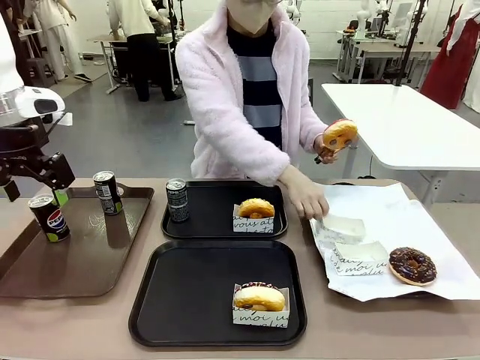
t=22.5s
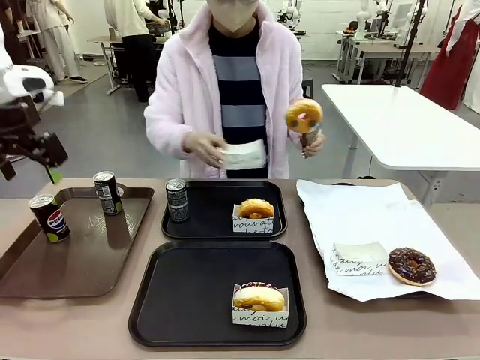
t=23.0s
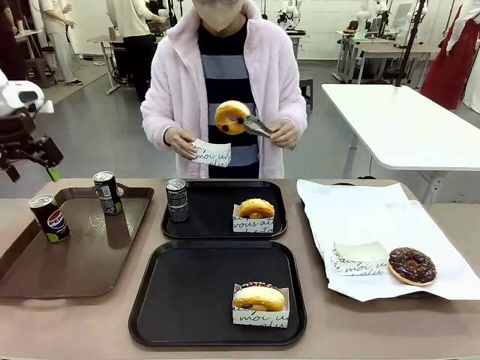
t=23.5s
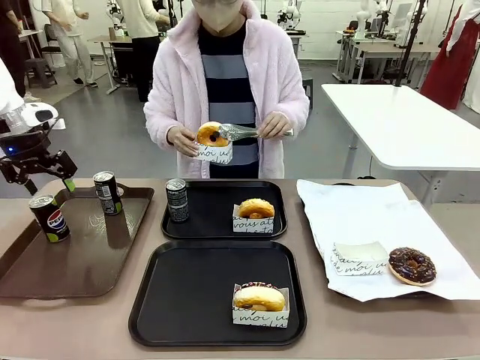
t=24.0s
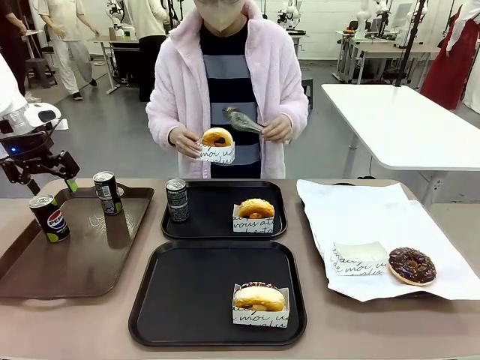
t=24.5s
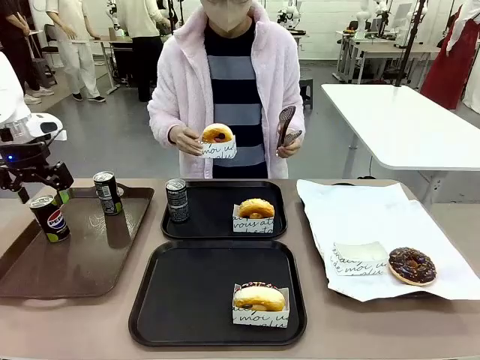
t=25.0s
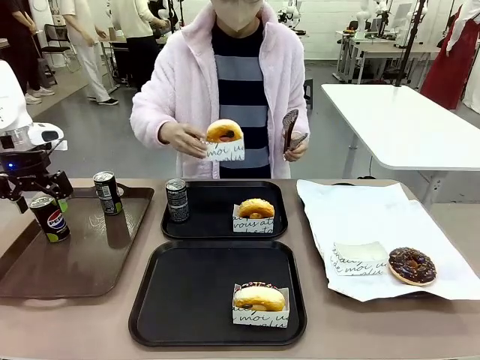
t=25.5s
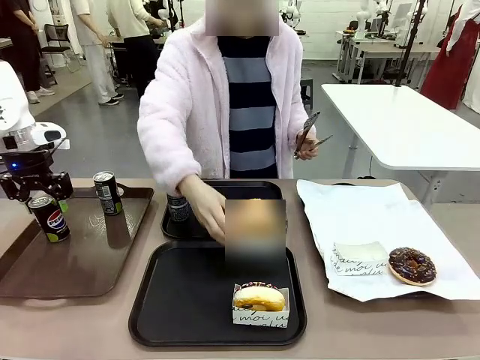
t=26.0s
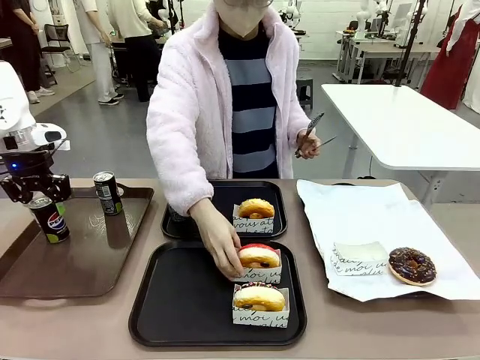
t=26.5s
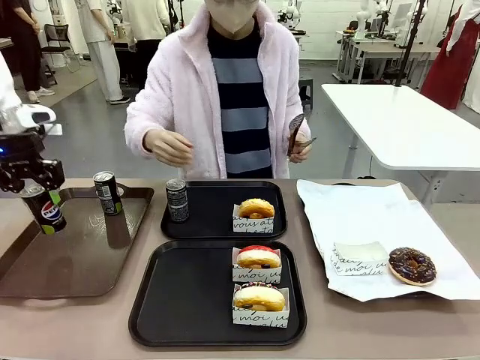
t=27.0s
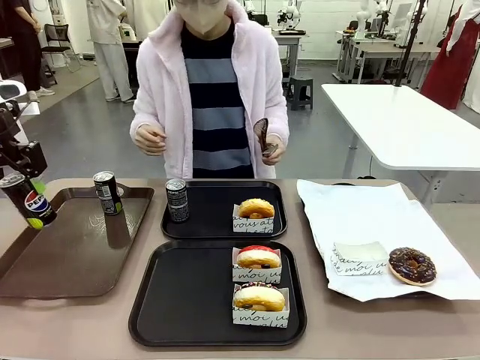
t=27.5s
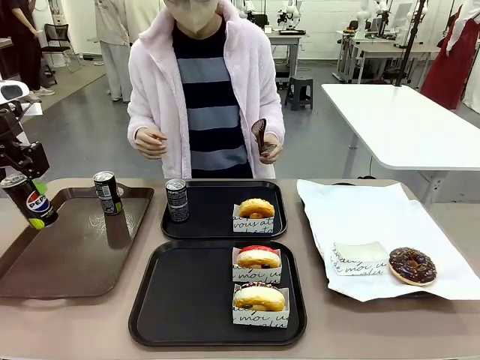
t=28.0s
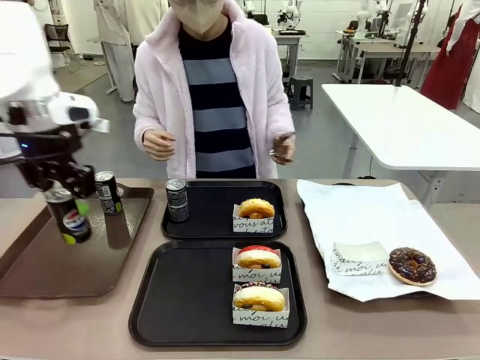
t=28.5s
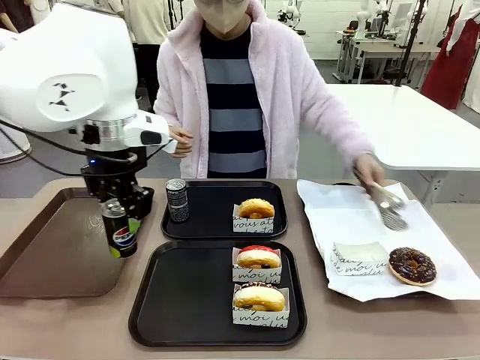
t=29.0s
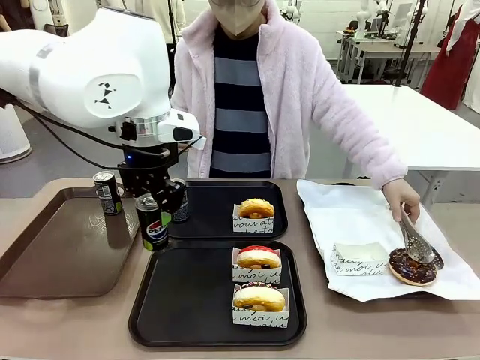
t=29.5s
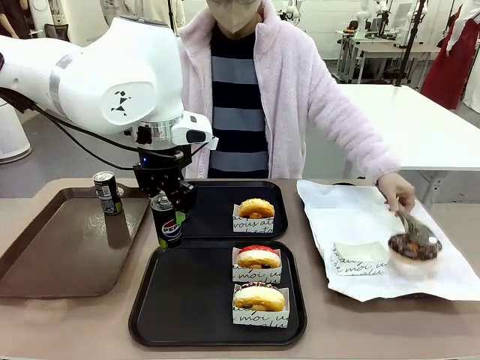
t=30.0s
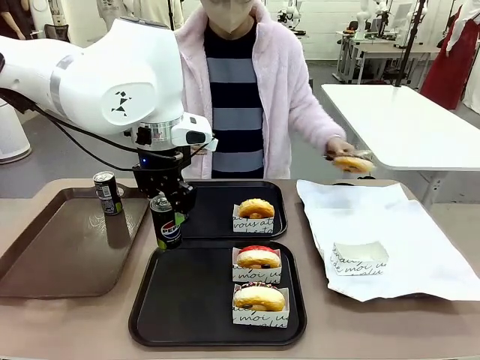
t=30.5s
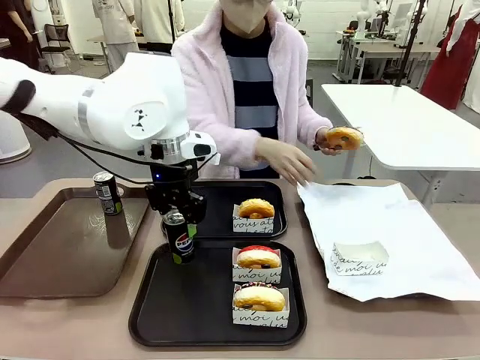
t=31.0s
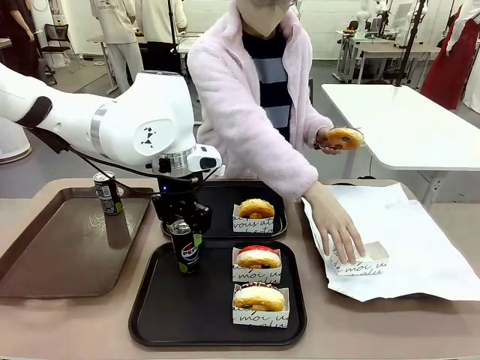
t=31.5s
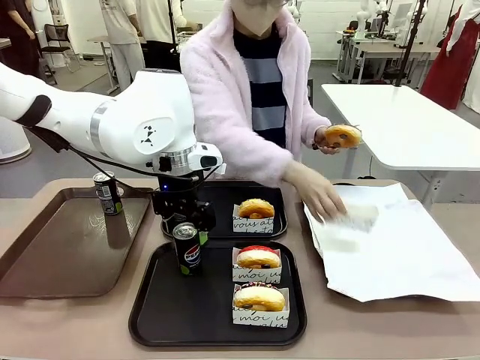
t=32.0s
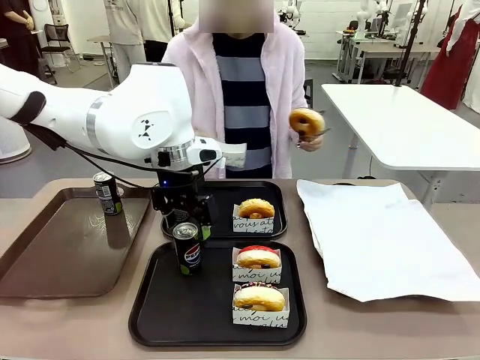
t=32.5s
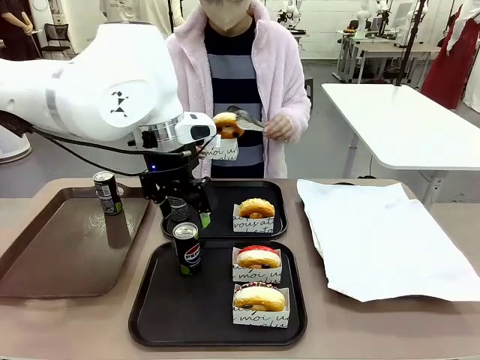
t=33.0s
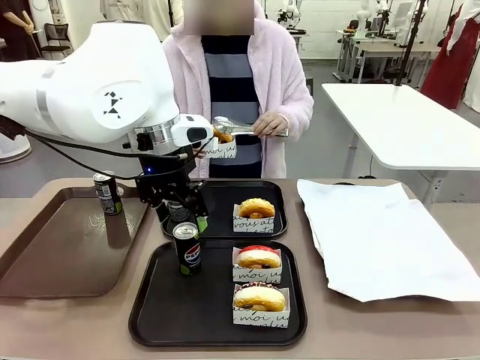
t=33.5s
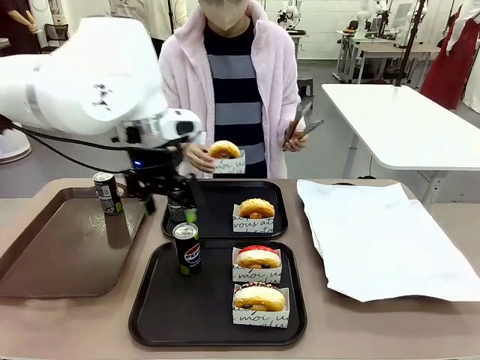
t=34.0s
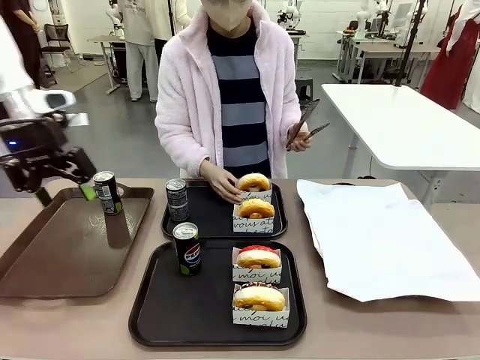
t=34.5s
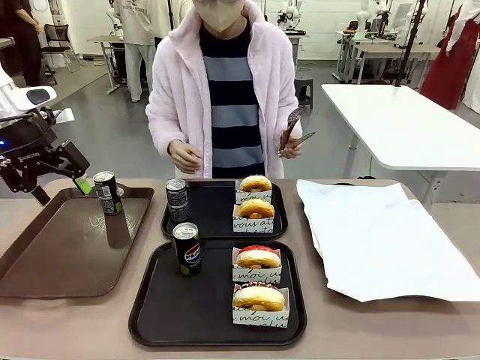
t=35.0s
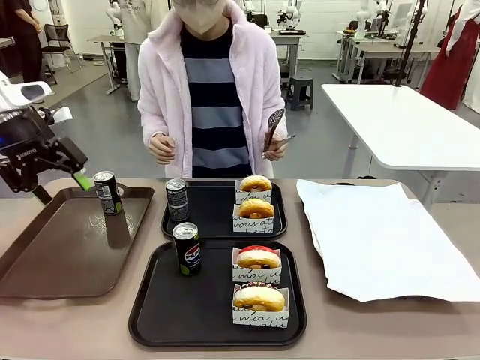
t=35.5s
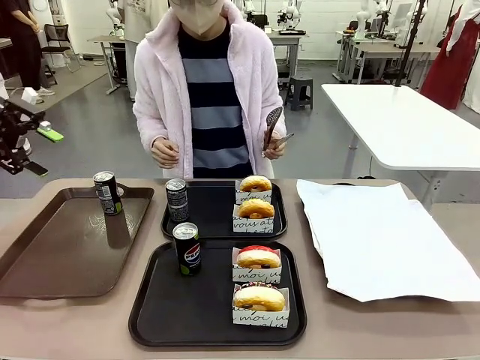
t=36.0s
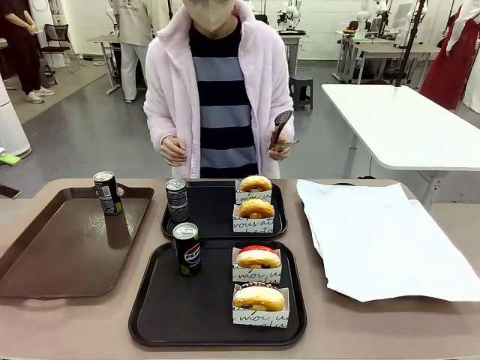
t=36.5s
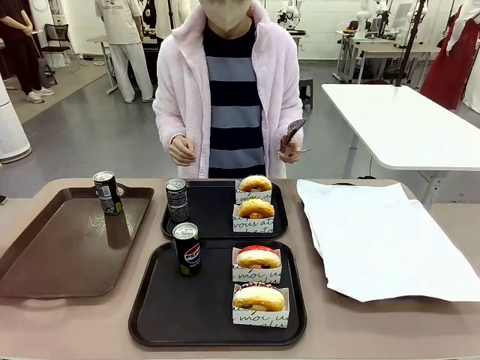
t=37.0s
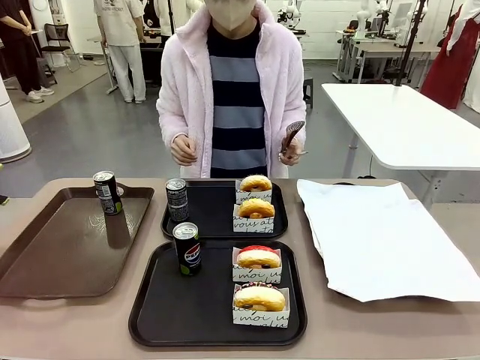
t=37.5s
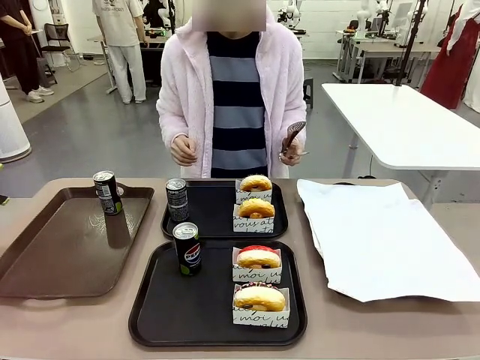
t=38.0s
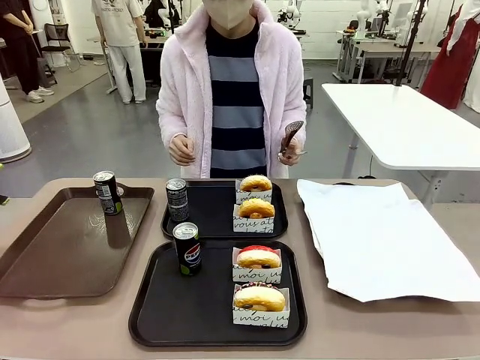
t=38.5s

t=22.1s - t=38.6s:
Task: Set up donuts and drinks on trays.
Robot: Pick up one Pepsi coke from the Handle tray and place it on the Flat Tray without a Pepsi coke.

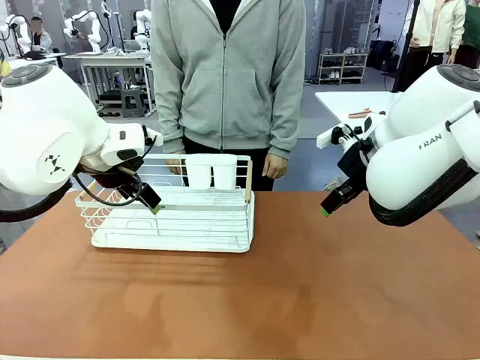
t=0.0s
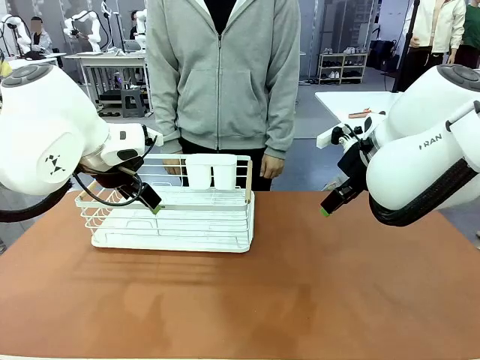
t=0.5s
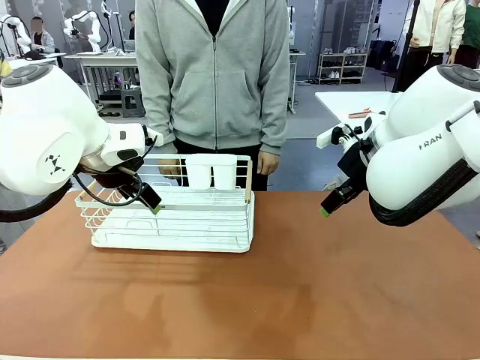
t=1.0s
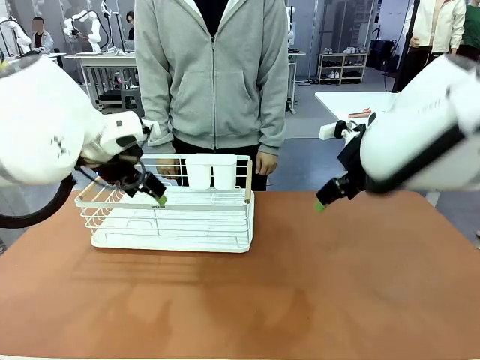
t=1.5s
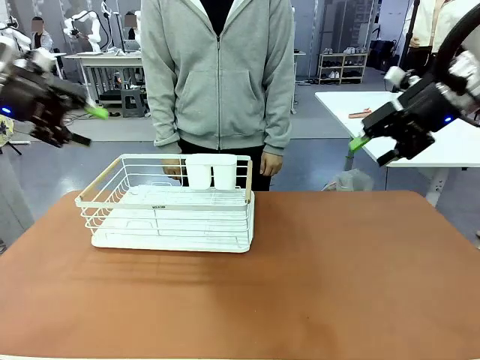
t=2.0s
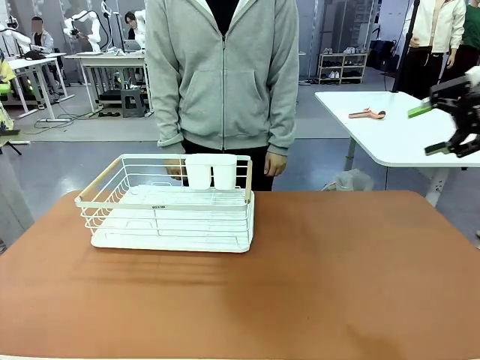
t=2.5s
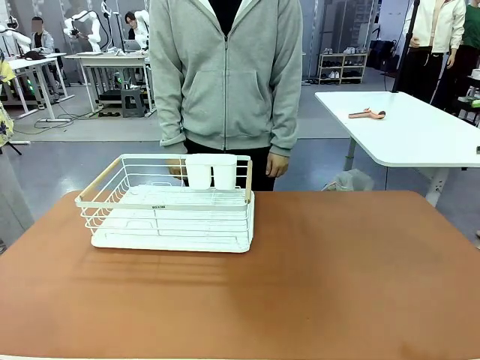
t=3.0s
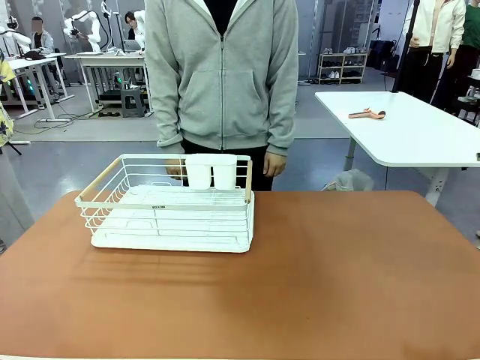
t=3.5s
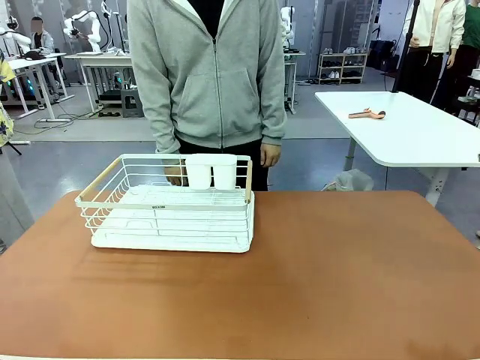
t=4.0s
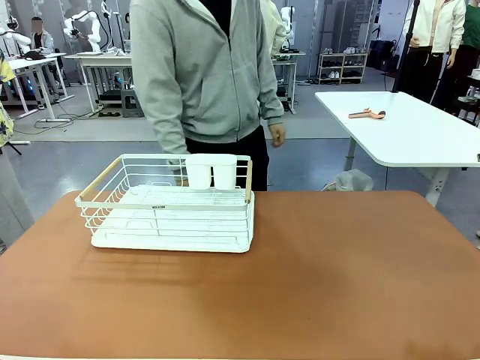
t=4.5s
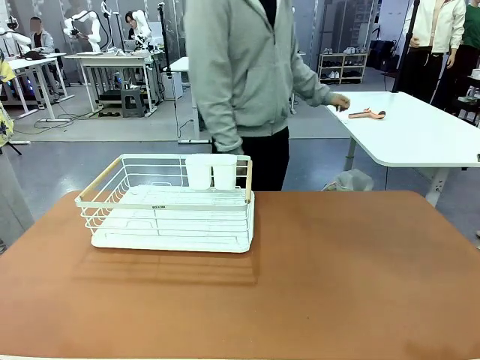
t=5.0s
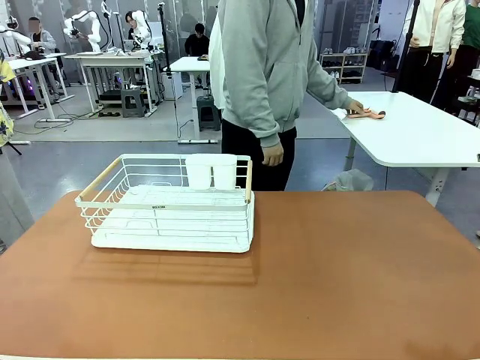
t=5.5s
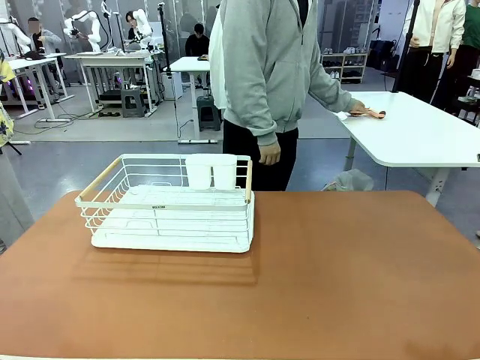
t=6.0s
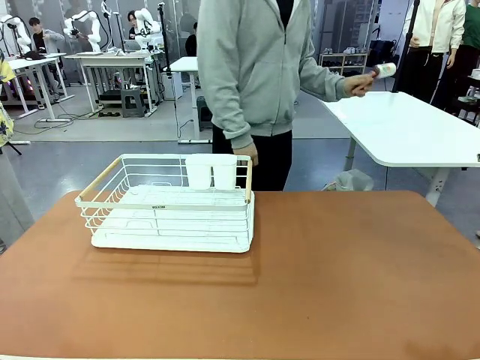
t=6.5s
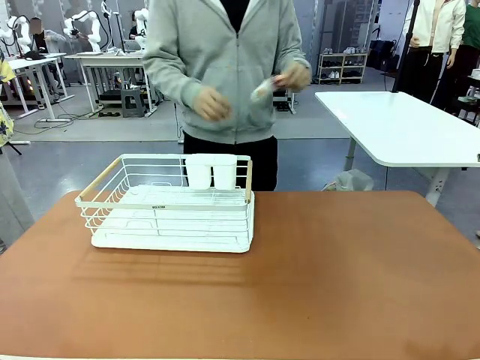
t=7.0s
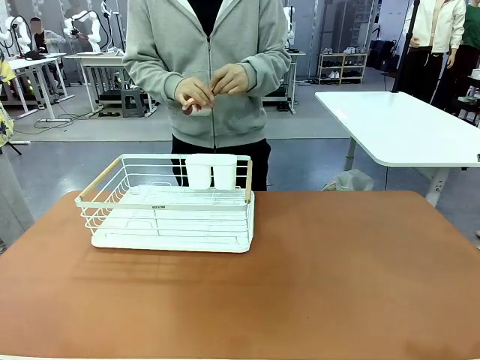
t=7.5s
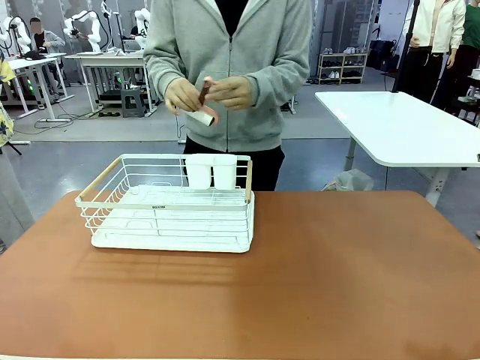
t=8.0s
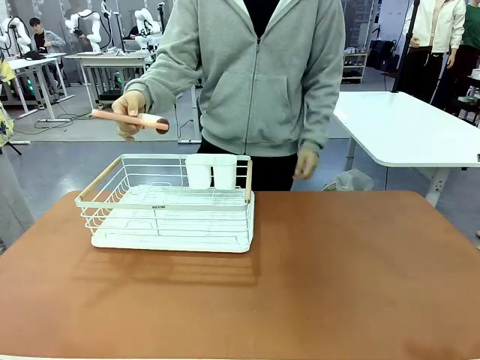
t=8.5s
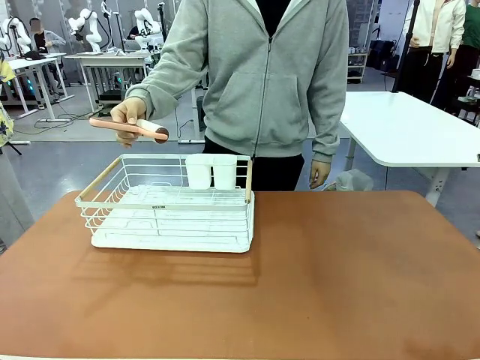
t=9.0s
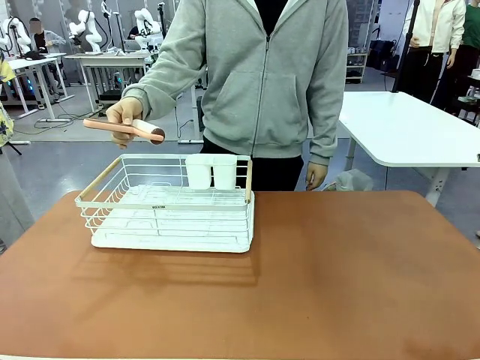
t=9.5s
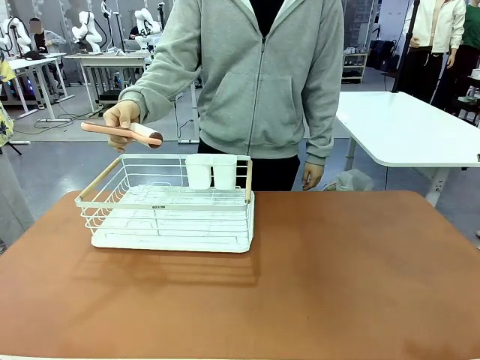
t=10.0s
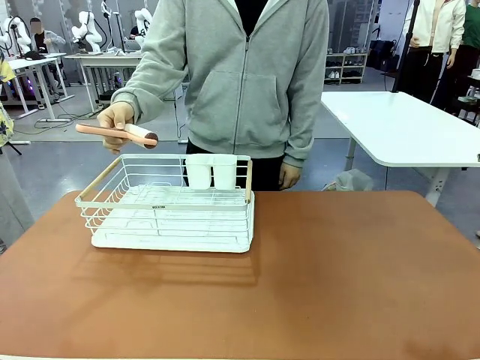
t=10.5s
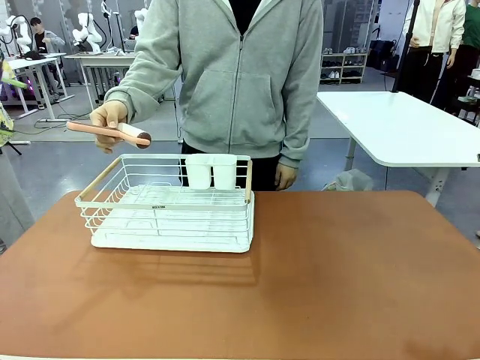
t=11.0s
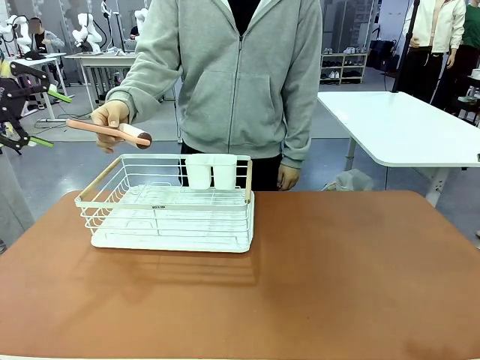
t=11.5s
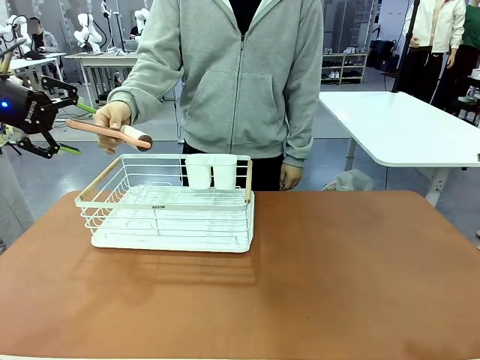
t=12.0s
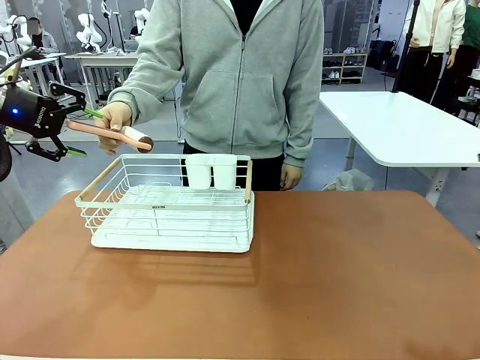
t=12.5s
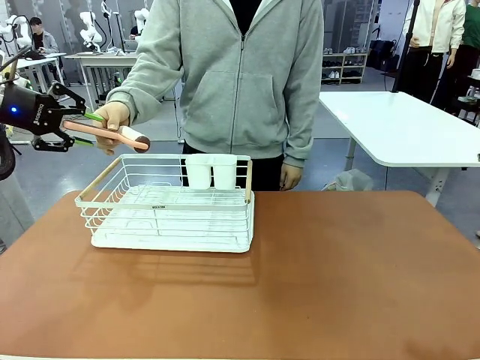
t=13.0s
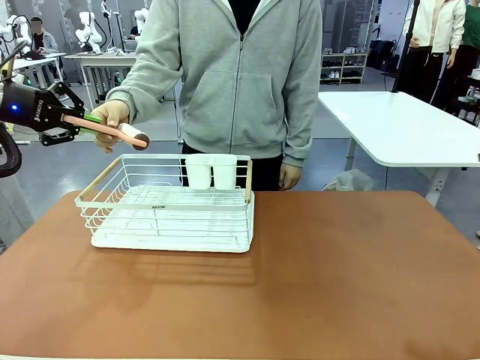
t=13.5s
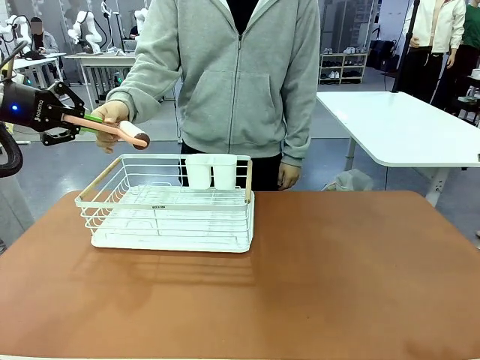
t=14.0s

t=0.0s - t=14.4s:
Task: Clean the table.
Robot: Pick up the Lint Roller when the human hands it over.
Person: Hand the Lint Roller to the robot so it can easily pick it up. Lift the Dish drying rack.
